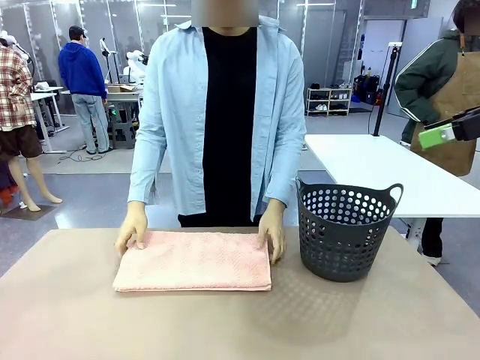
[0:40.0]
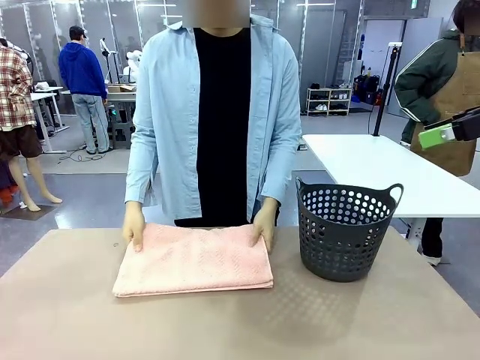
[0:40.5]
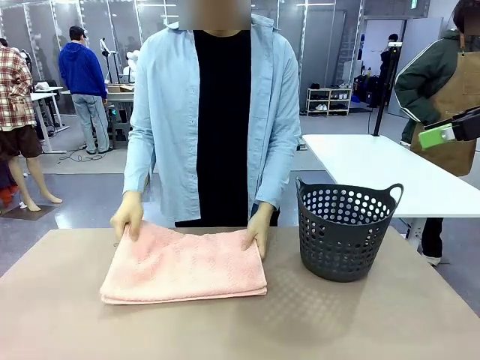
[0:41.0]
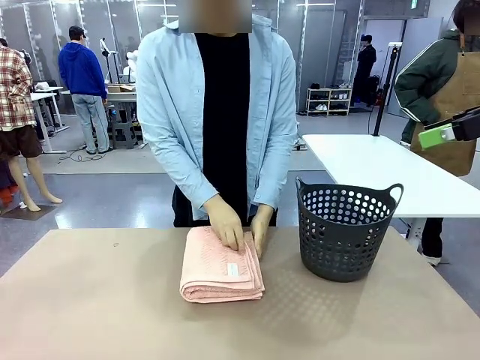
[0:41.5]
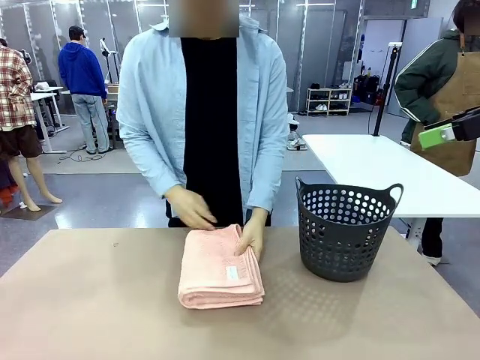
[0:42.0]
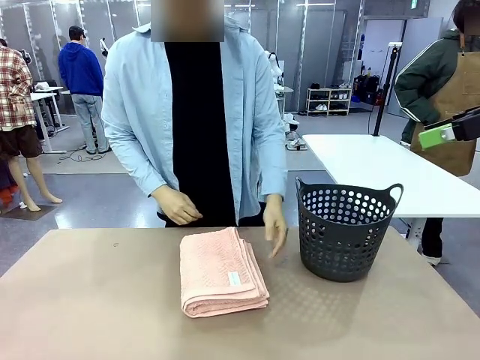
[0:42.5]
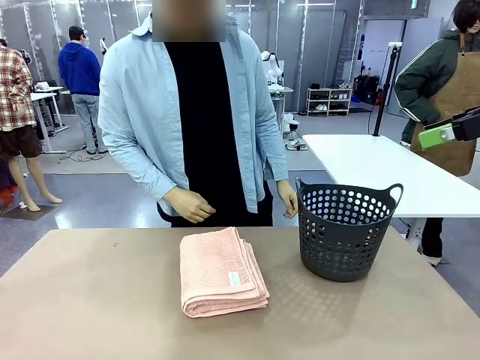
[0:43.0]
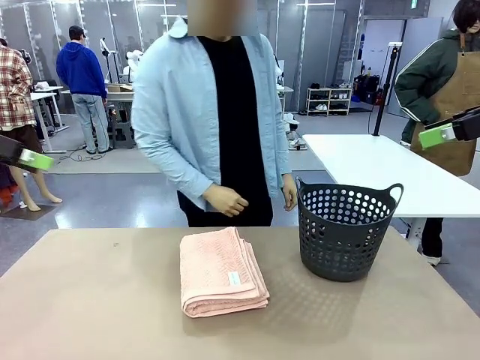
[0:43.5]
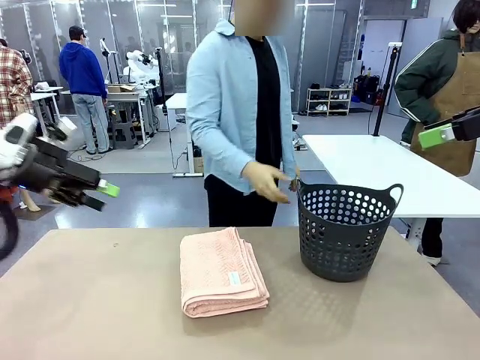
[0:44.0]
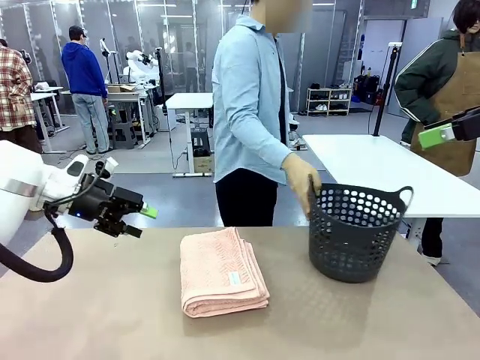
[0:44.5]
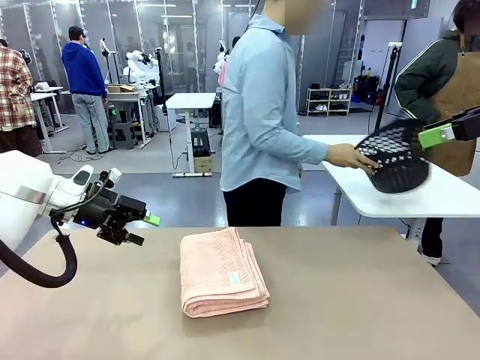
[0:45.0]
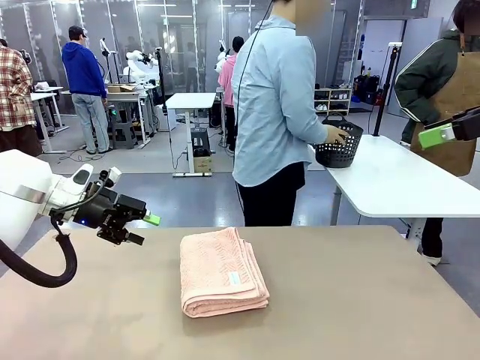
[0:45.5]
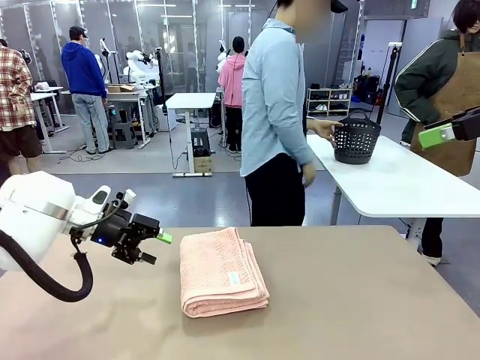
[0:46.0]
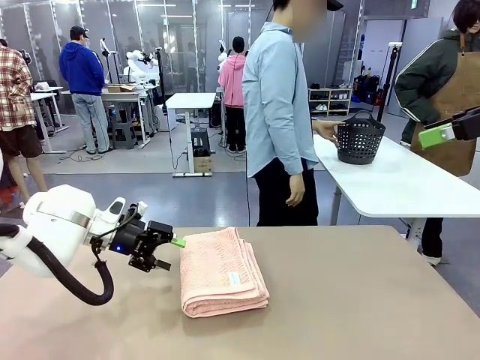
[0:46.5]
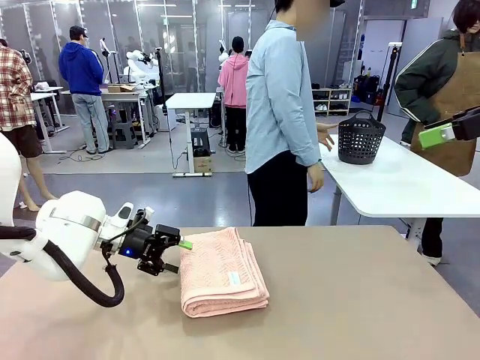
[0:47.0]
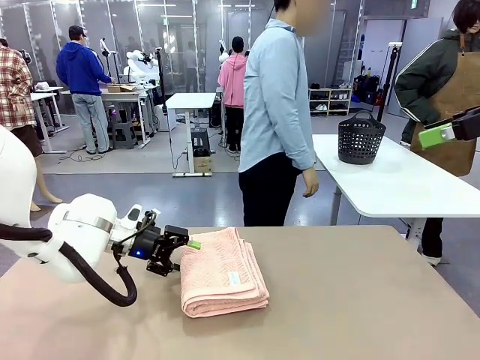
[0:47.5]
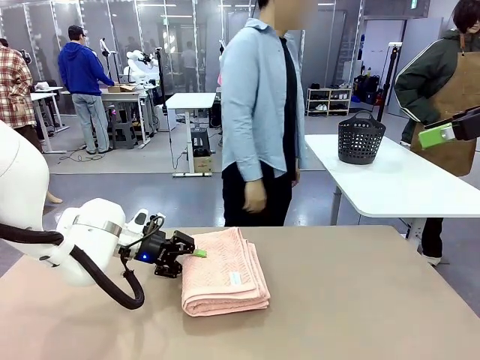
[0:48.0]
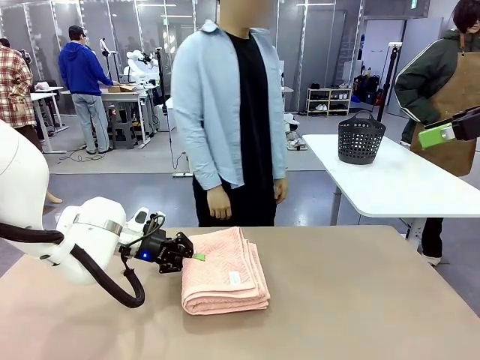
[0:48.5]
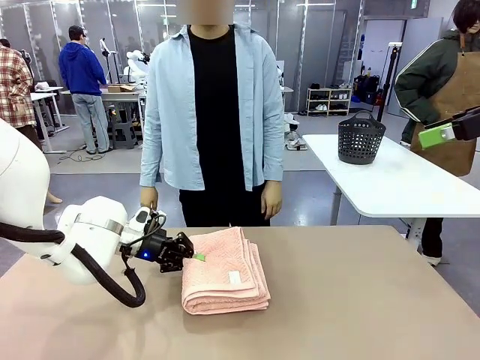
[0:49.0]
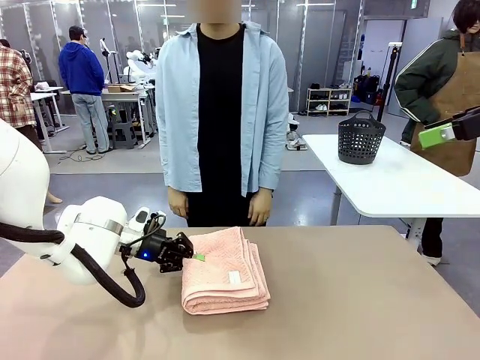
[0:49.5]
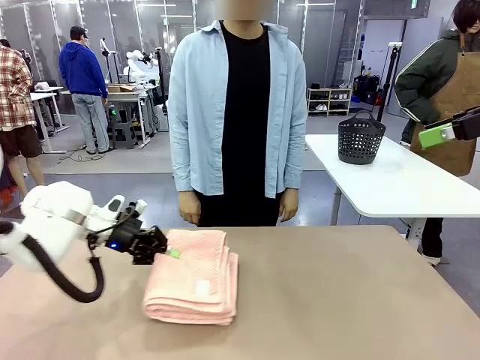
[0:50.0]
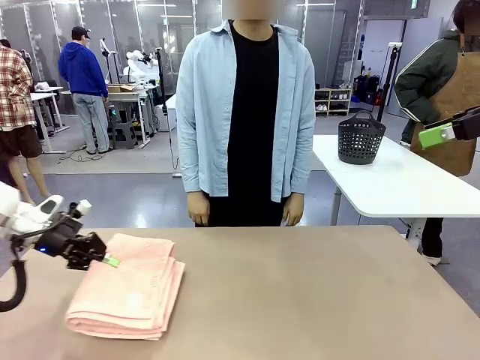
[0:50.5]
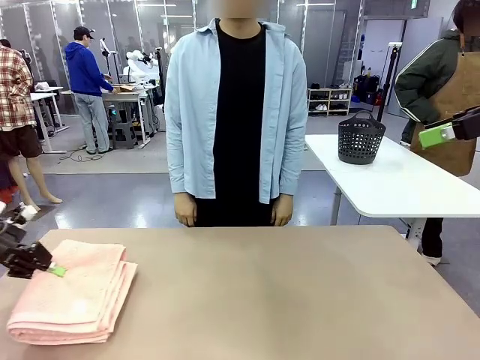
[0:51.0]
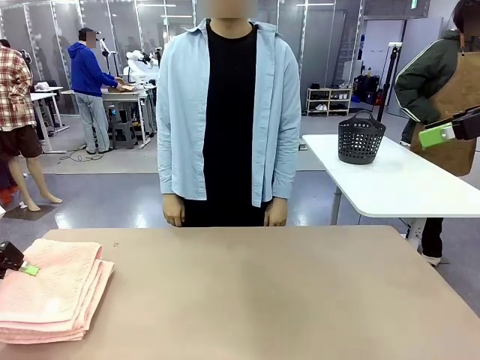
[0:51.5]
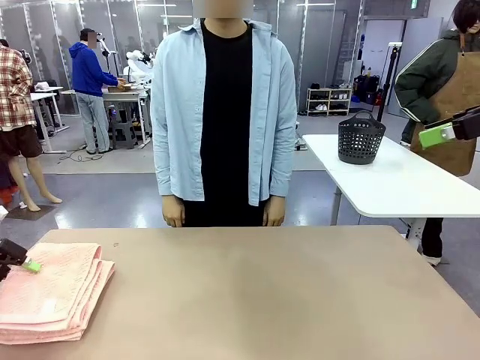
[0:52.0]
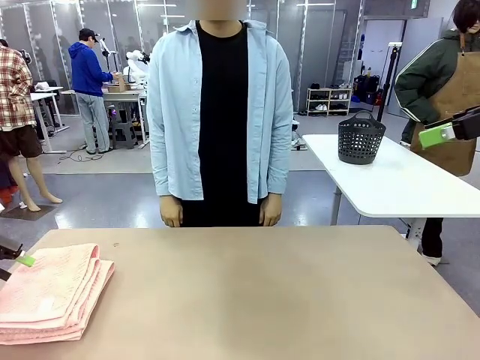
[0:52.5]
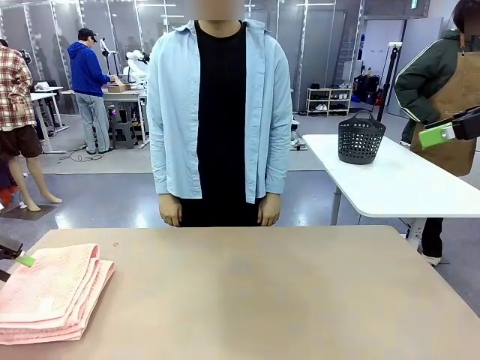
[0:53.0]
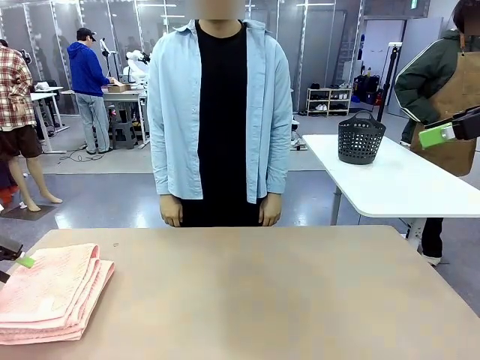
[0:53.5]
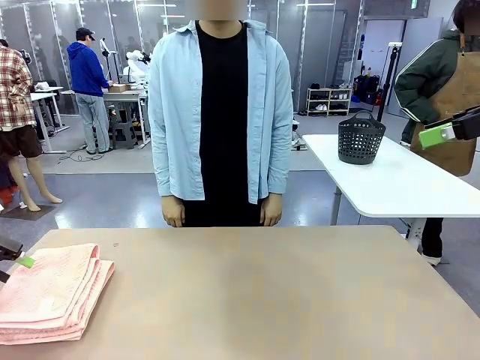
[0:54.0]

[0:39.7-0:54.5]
Task: Fold the towel.
Robot: Pick up the 100 cm Hotel Towel and place it on the left side of the table.
Person: Pick up the laundry basket and place it at the center of the human table.

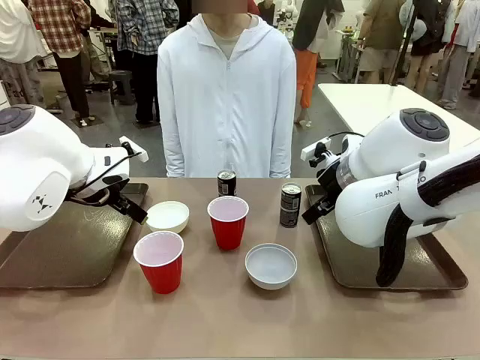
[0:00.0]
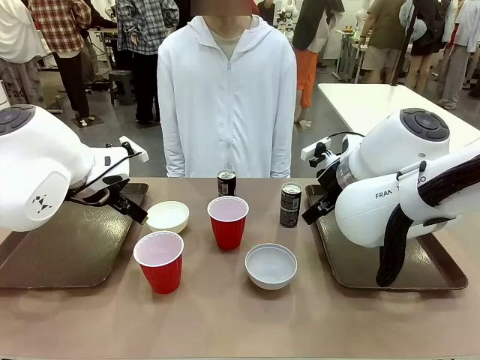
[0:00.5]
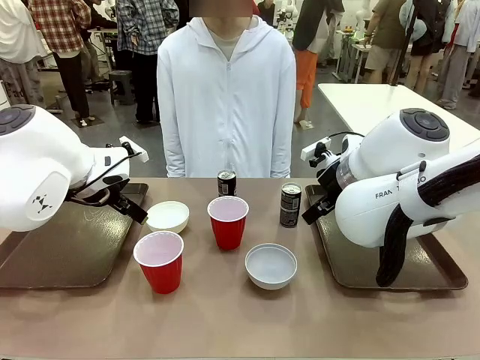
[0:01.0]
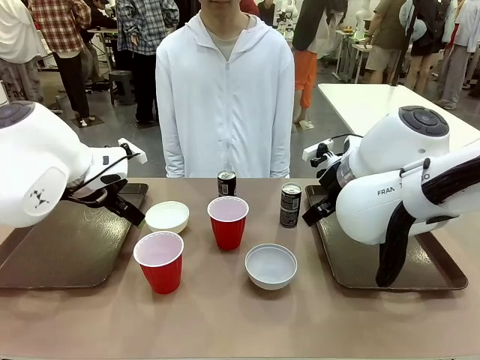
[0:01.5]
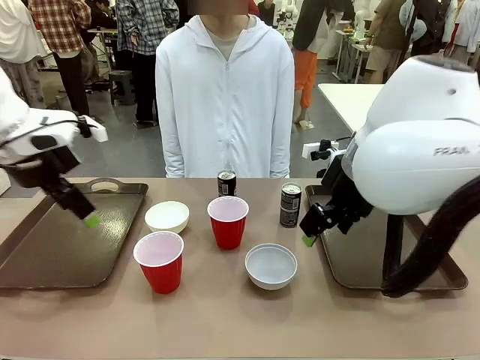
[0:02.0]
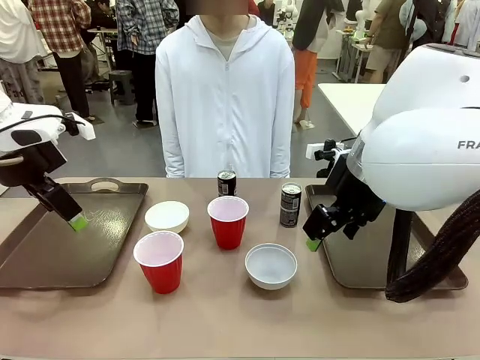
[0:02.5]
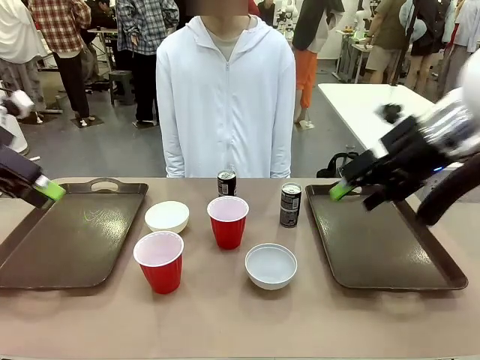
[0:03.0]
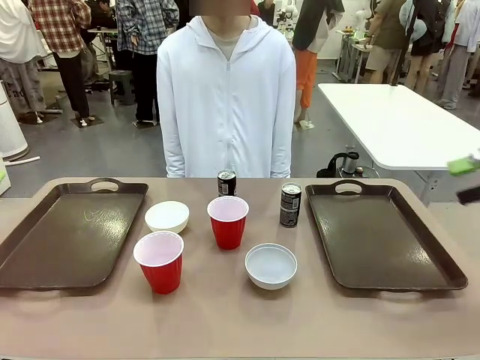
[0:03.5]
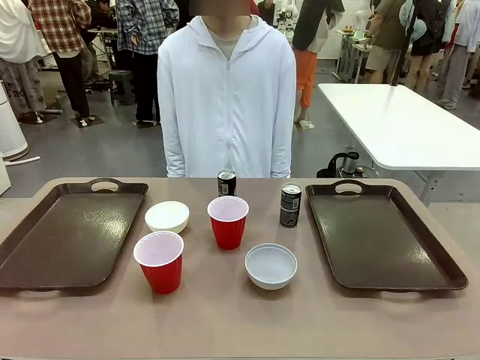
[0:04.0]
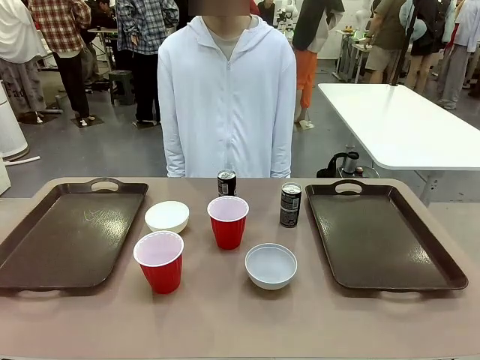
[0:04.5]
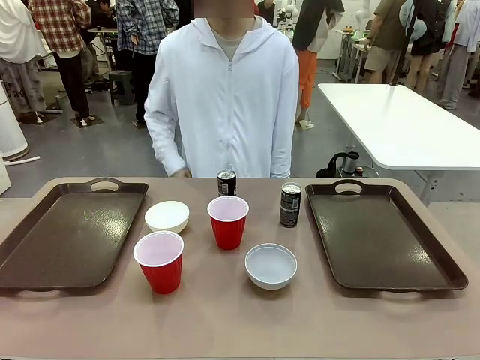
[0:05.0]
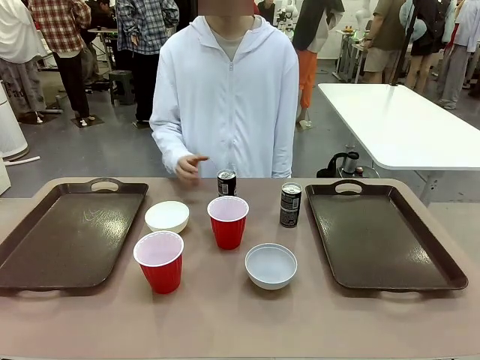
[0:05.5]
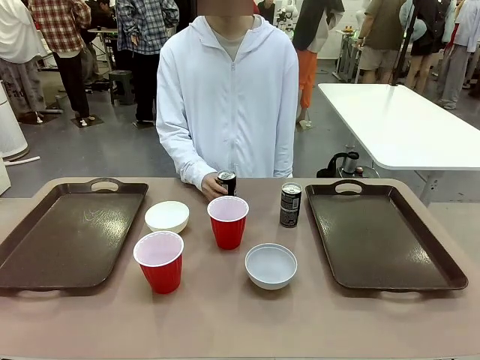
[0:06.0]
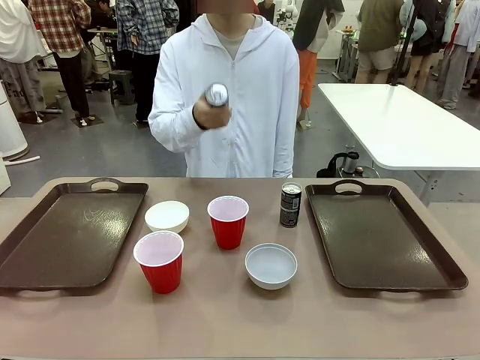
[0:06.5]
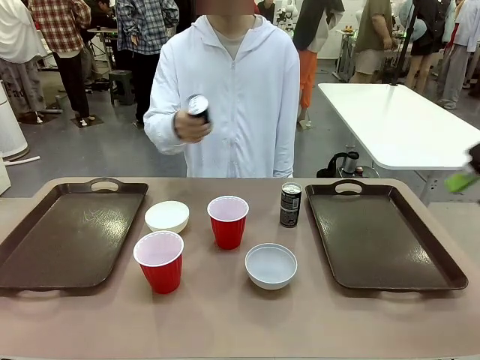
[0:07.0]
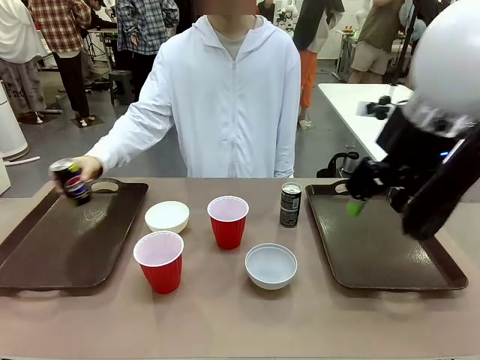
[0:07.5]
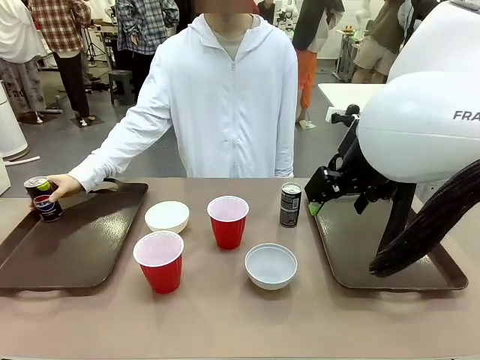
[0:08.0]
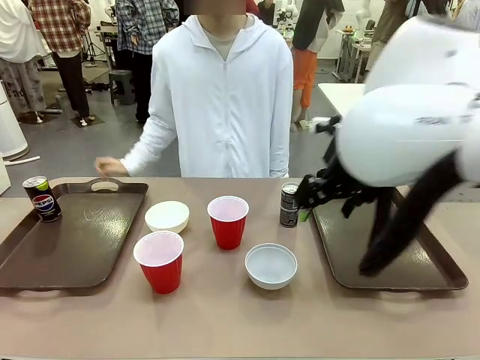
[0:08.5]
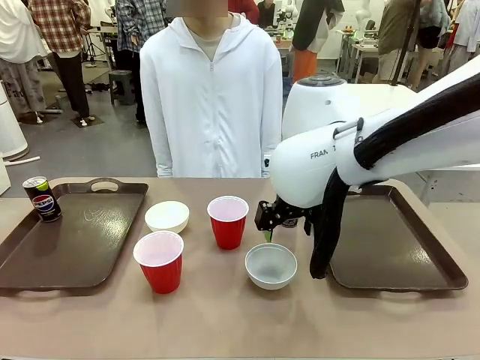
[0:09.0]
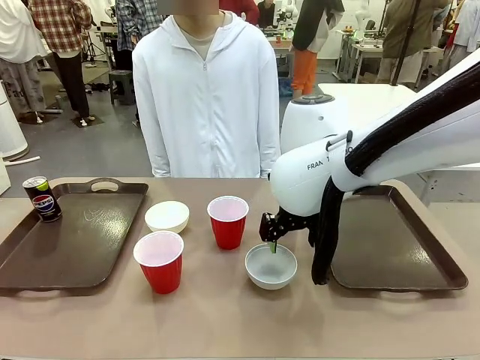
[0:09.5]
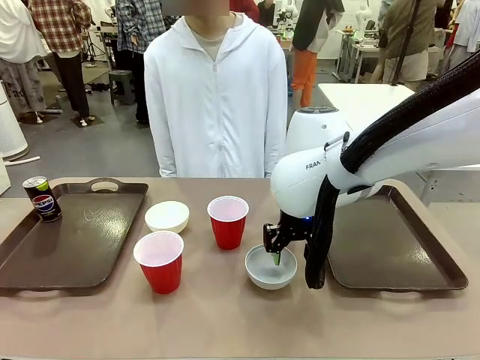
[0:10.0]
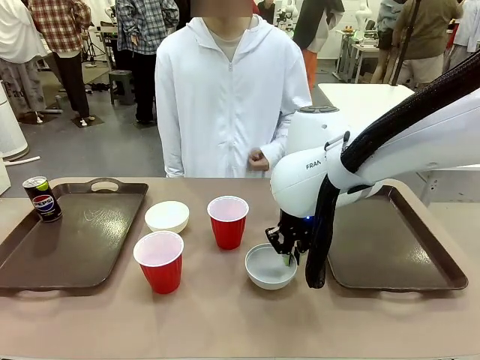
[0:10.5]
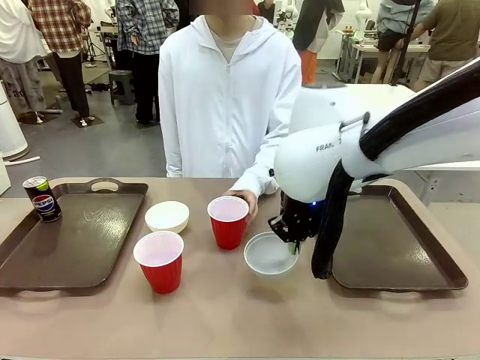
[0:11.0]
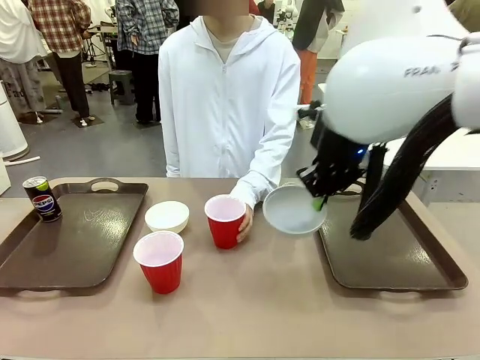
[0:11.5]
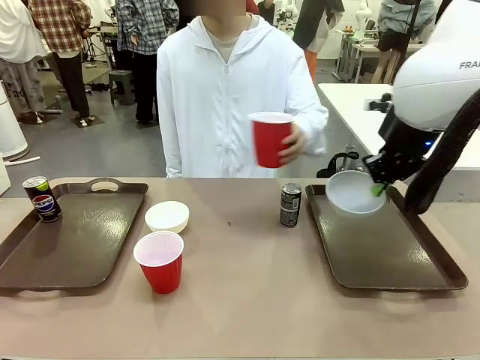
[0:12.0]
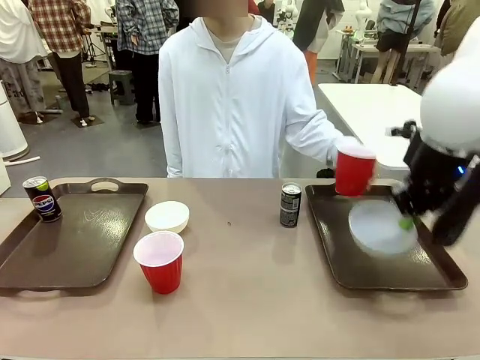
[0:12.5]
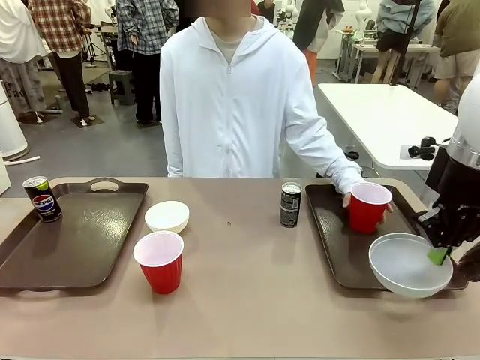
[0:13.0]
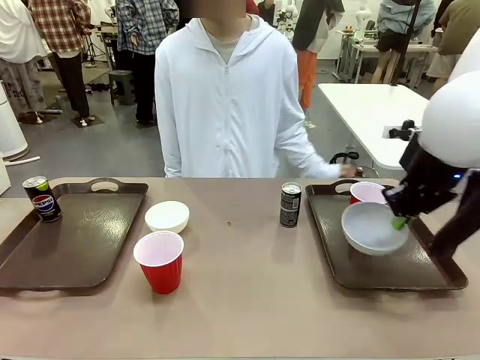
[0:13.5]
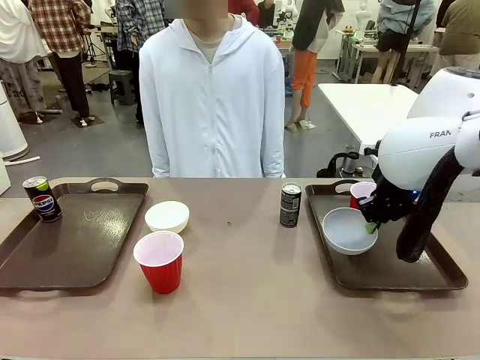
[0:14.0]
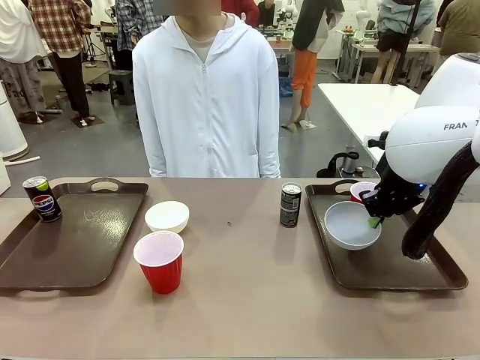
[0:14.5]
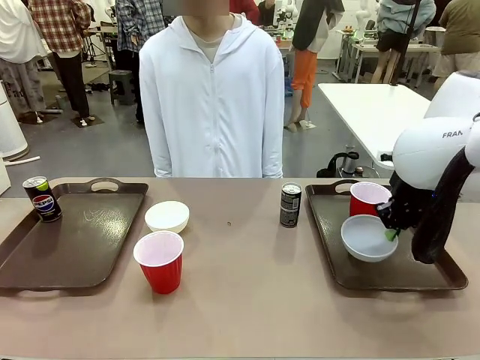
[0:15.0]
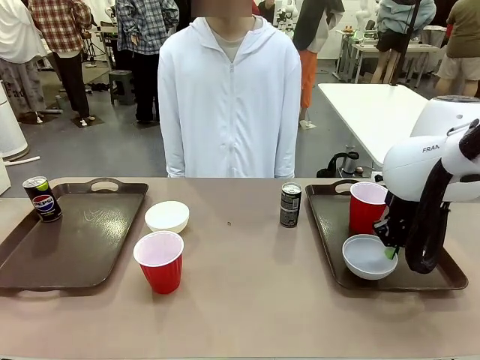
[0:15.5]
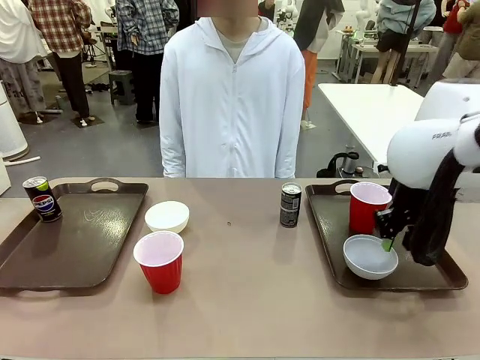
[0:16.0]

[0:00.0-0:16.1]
Task: Prepare tableware on both trays.
Robot: Pick up a Picnic Bowl from the table and place it on a Handle tray.
Person: Pick up a can or cup and place it on the tray.
